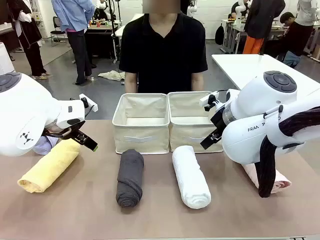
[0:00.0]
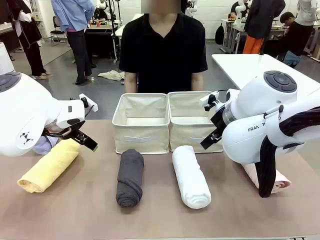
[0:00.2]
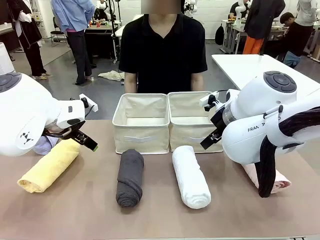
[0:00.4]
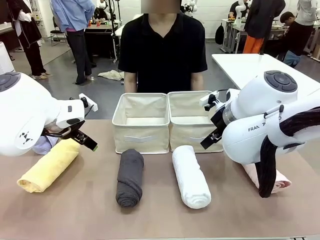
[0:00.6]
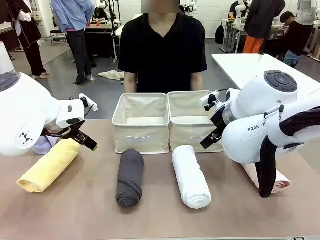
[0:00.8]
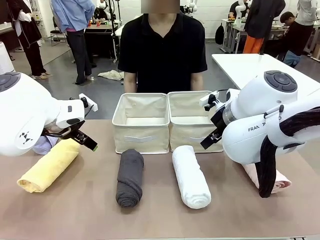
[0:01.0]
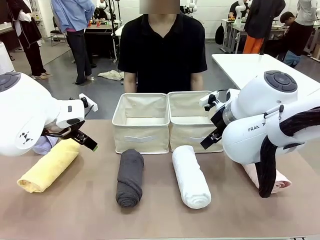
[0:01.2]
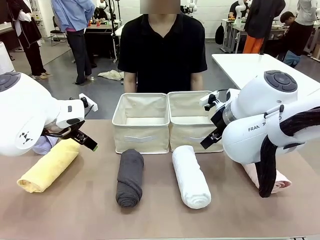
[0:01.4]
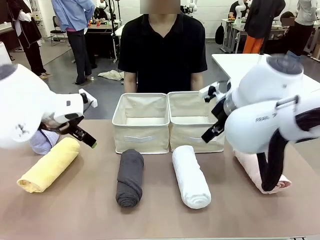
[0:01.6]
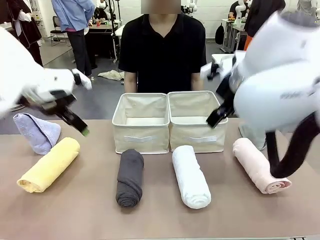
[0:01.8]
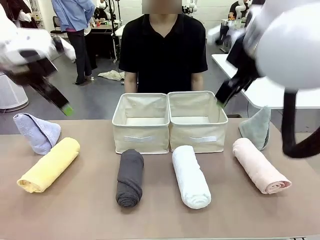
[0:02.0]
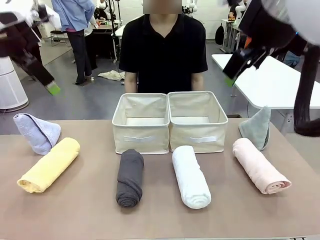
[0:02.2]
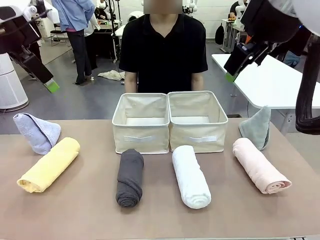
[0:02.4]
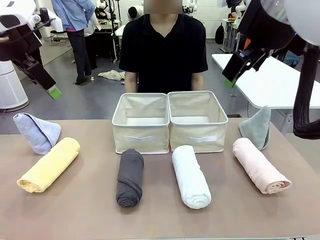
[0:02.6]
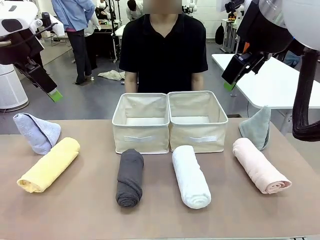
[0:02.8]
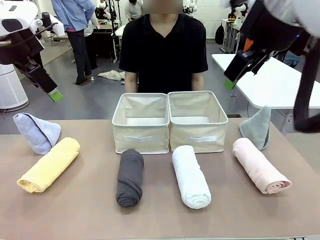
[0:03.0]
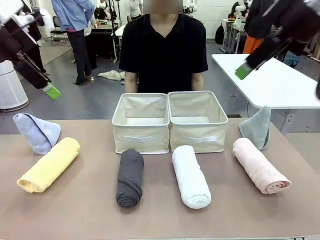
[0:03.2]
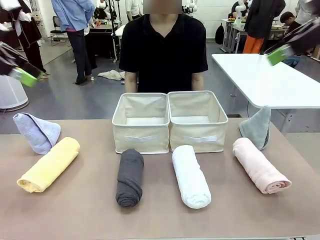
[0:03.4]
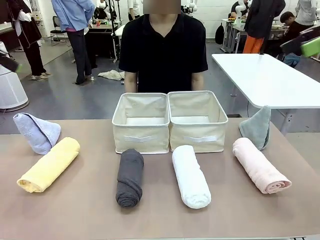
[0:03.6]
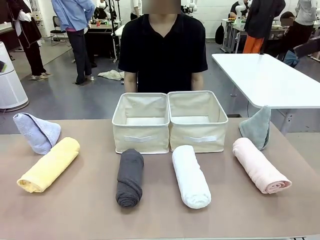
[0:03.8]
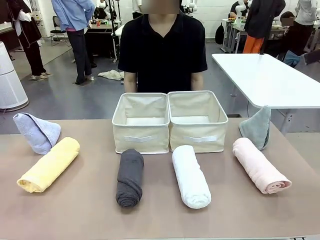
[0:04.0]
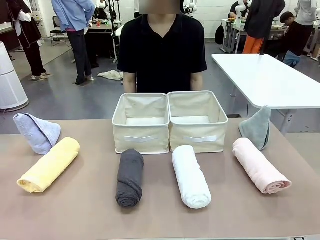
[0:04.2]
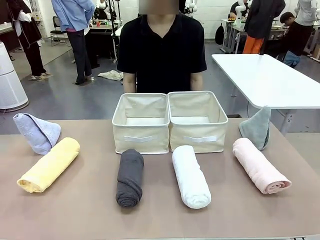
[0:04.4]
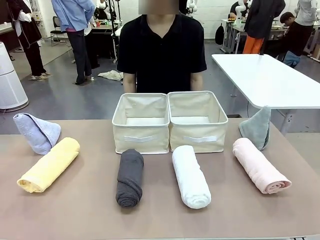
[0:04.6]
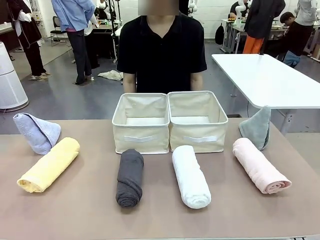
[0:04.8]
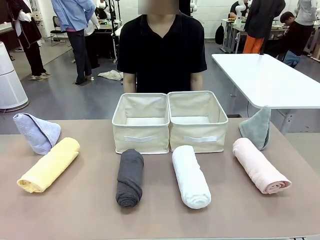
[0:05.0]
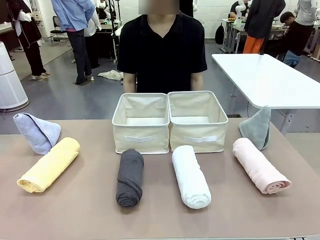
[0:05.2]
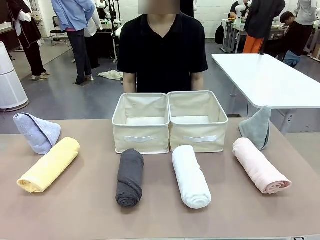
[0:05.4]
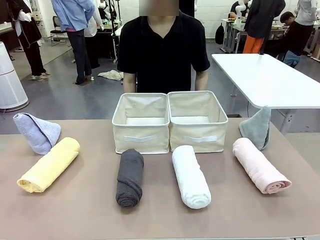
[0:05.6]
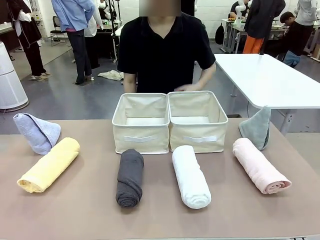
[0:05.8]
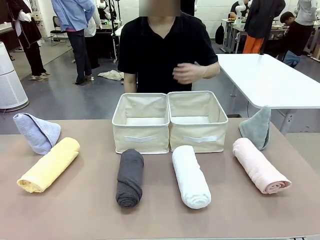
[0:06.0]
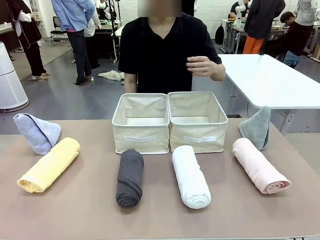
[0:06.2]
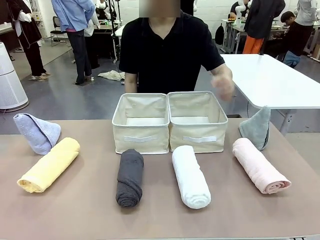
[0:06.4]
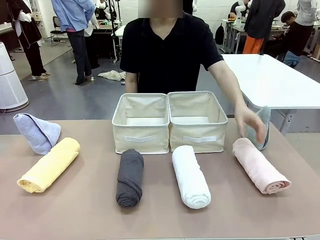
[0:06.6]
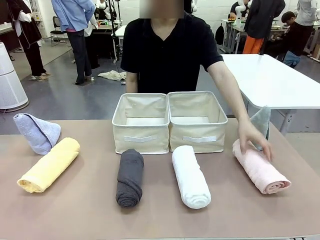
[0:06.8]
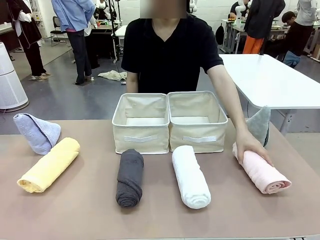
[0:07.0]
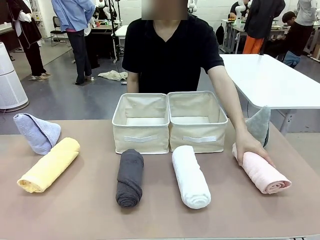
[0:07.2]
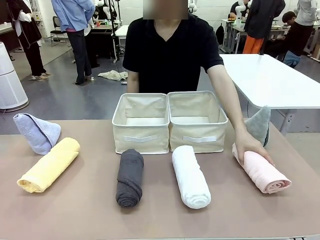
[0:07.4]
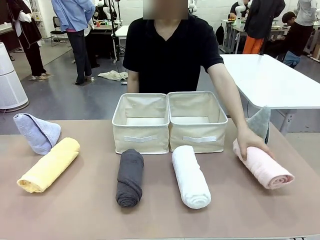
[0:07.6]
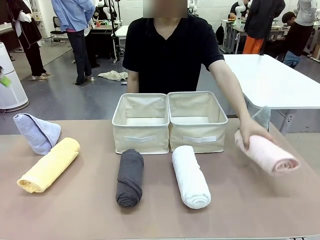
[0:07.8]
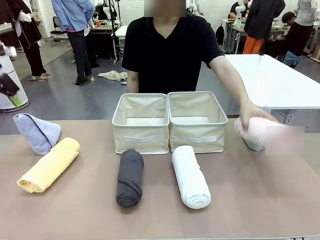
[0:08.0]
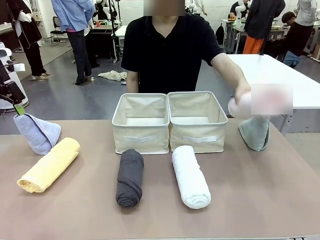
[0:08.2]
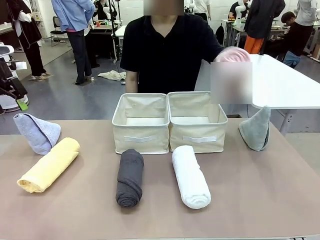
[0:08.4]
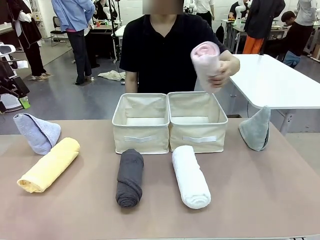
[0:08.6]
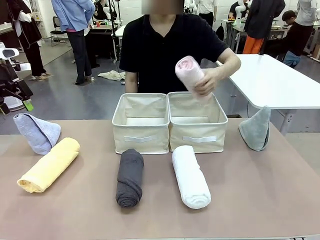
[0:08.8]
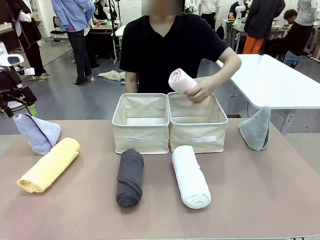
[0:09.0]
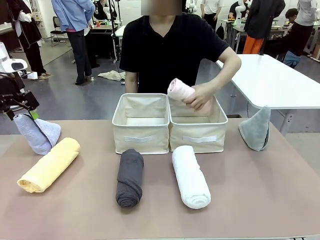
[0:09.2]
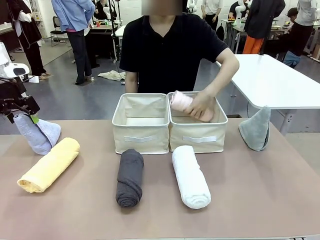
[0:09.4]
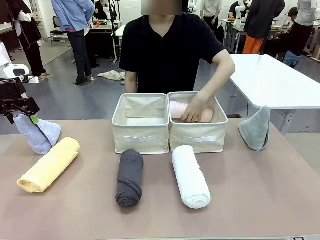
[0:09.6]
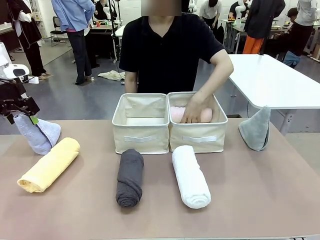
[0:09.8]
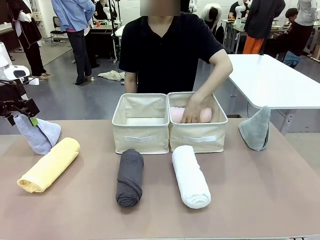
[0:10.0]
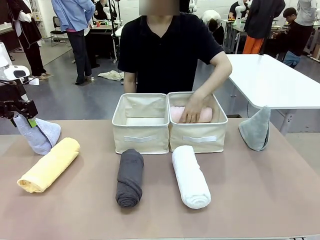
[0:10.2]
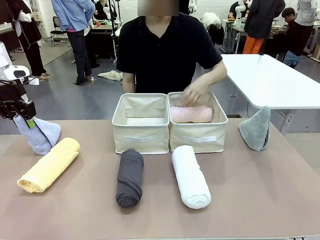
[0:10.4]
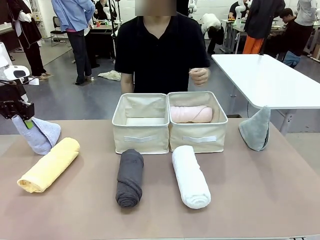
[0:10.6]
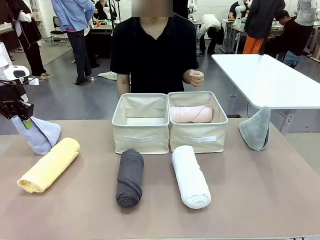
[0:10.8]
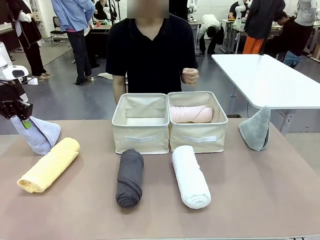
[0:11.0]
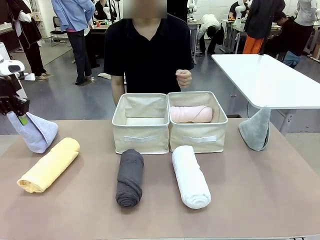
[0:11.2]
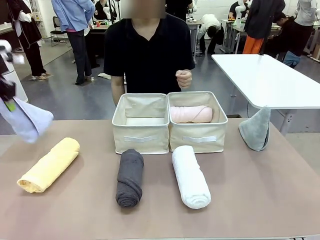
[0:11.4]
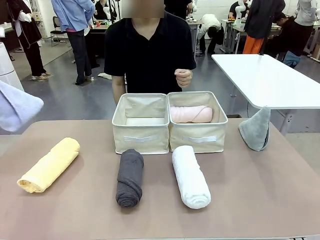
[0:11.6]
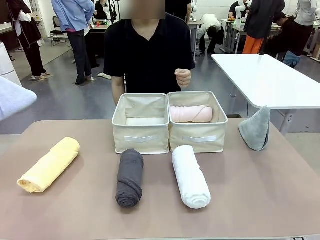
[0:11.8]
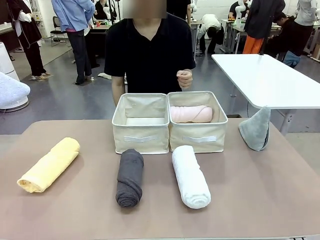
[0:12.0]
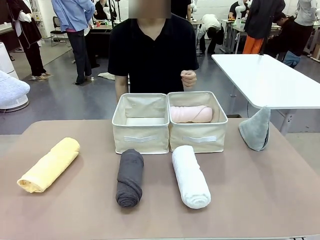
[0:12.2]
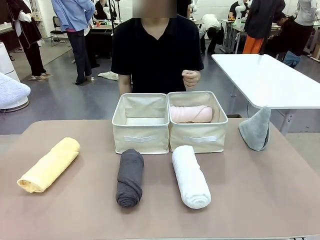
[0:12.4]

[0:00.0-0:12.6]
Task: Sort the towels based on their folding style.
Robot: Pick up one triangle-folded towel and place it in the left Fabric basket.
Person: Pick up one hotel-style rolled towel and place it in the left fabric basket.

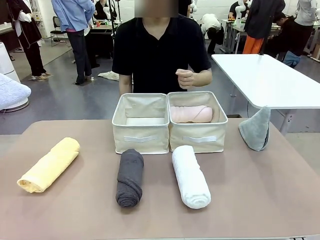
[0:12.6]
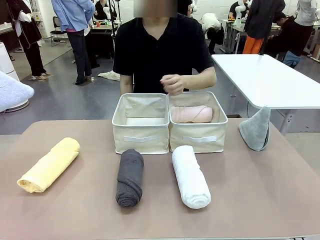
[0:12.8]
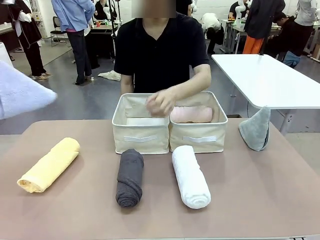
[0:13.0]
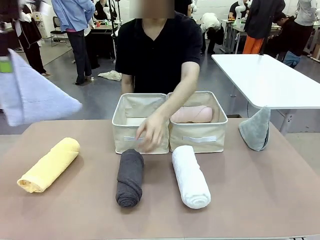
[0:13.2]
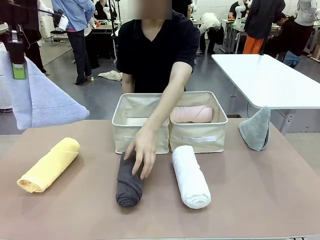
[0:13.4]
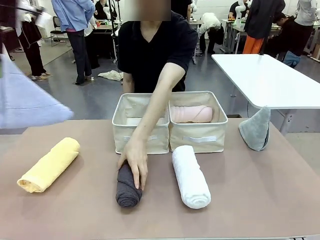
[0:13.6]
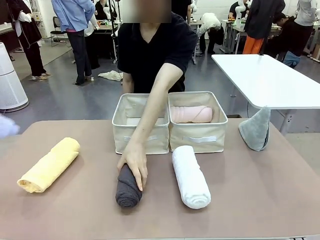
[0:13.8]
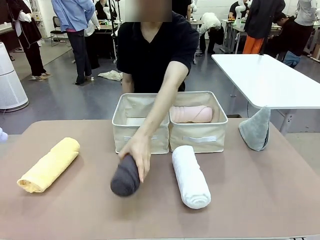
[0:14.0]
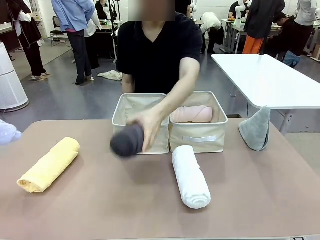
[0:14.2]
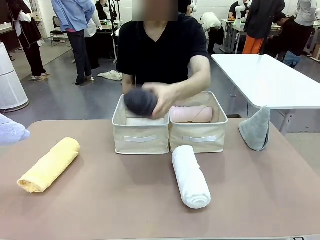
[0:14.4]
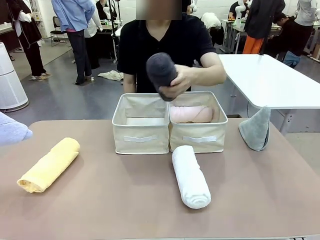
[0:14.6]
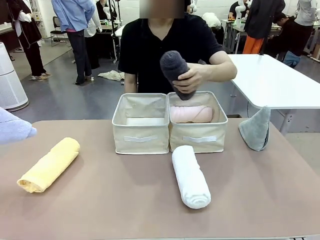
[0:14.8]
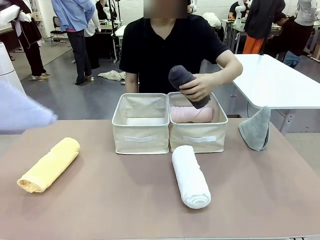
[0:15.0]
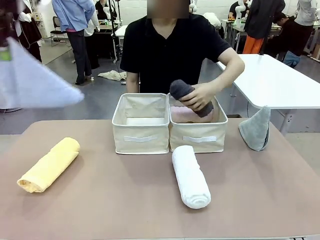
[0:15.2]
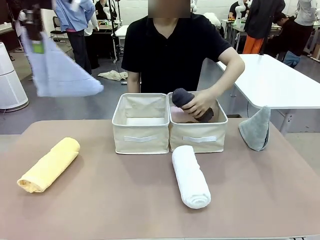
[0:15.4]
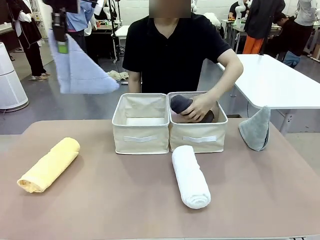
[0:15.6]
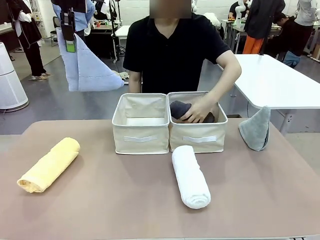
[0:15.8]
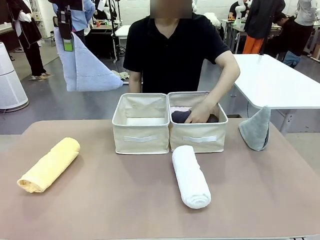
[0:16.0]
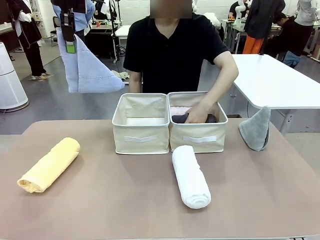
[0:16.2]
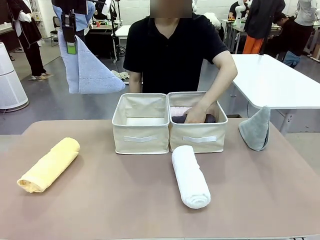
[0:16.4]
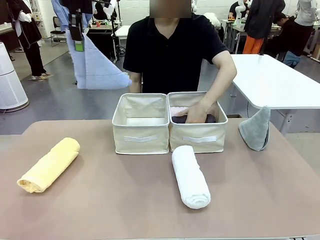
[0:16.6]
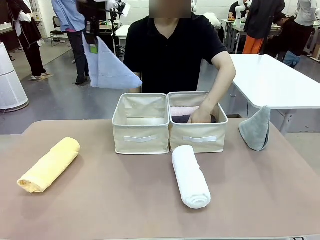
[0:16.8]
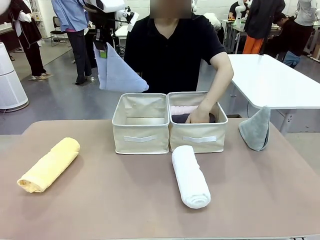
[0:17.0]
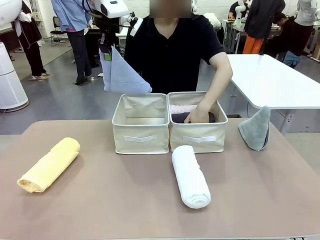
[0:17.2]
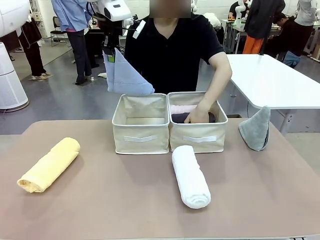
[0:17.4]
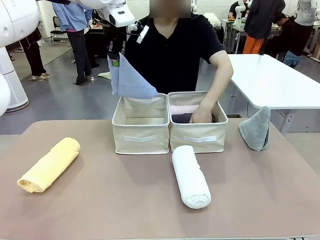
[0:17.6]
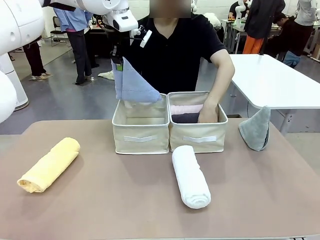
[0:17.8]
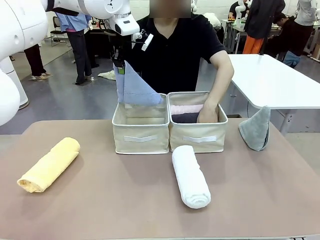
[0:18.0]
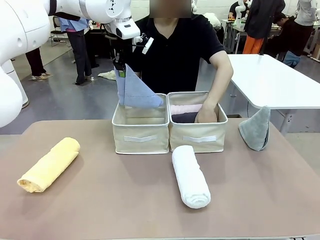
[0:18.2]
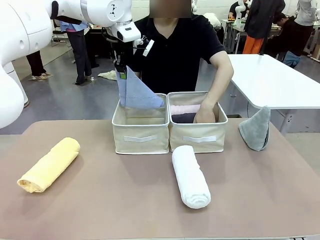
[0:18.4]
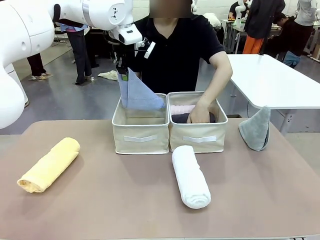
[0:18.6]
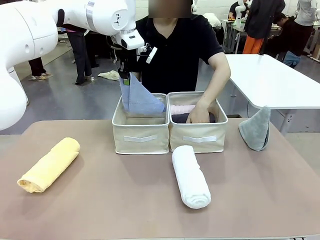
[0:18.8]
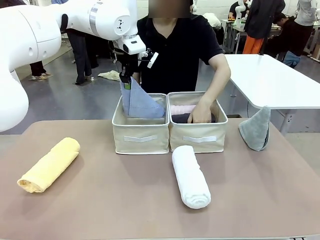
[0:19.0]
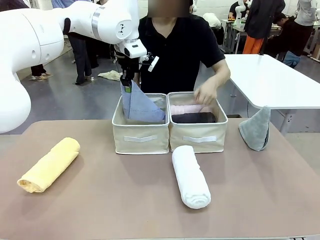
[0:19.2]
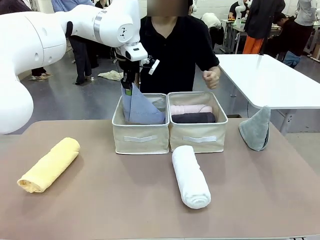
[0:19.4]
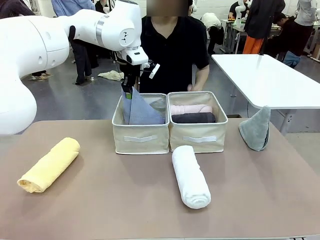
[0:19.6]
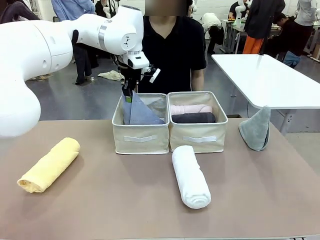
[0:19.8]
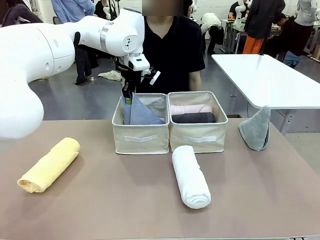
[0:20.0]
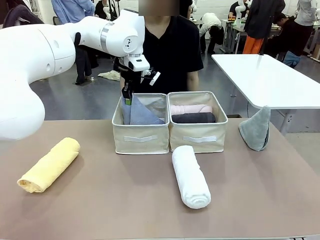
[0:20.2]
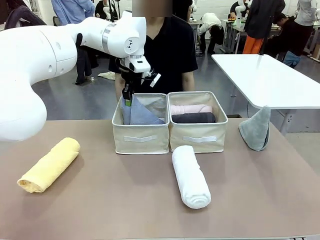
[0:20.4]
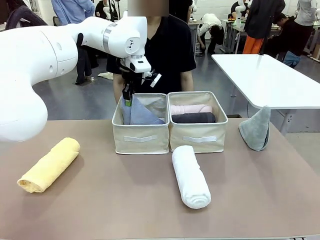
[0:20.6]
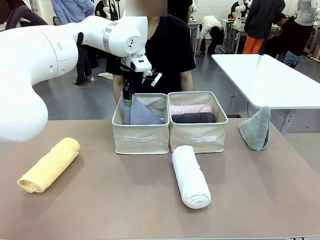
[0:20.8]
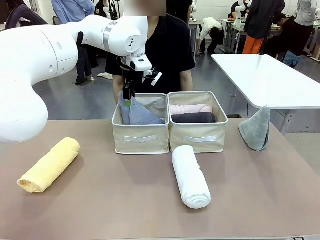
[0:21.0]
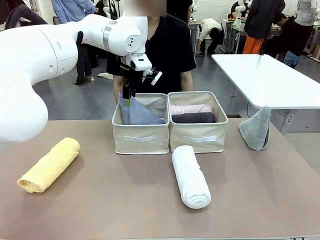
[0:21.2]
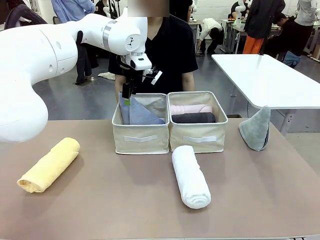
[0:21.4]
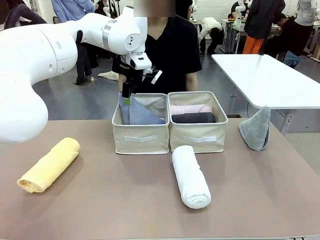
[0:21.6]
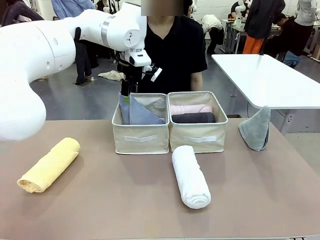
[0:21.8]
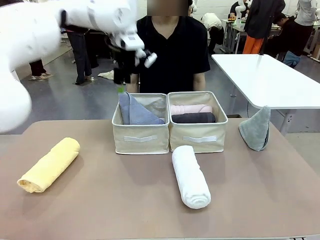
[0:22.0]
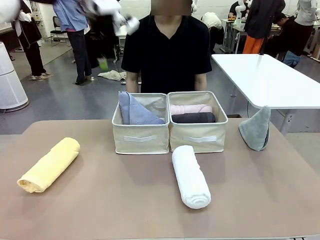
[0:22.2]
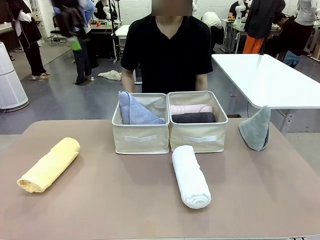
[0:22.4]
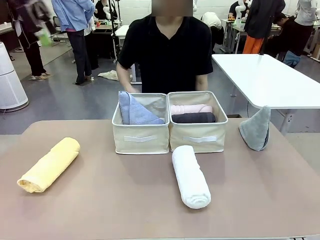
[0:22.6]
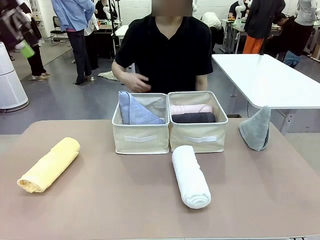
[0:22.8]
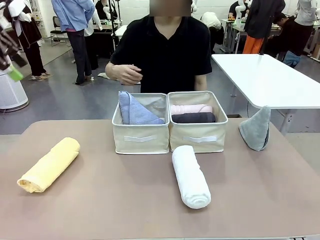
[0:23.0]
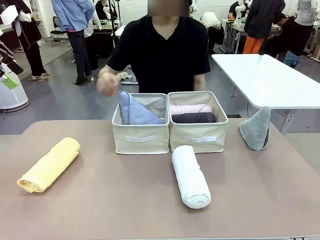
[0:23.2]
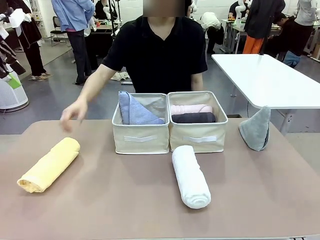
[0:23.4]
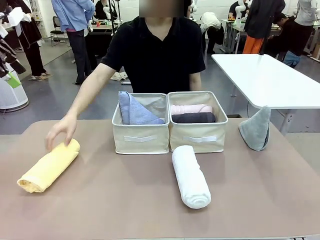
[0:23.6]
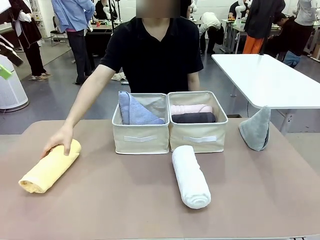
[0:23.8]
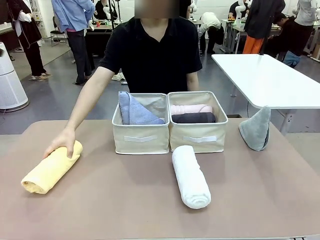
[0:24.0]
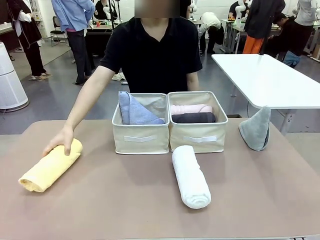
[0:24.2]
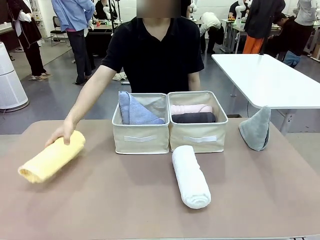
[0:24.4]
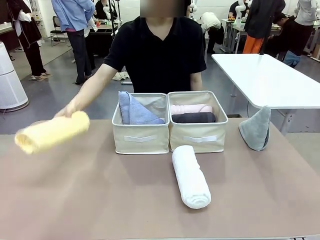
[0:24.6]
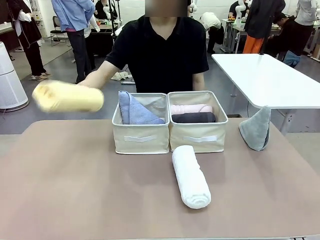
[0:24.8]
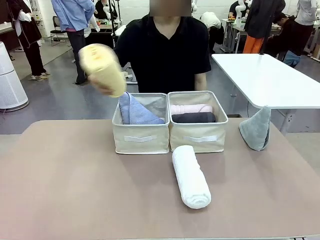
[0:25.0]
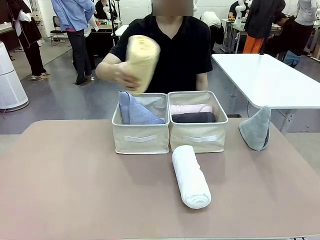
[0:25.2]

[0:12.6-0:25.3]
Robot: Pick up one triangle-folded towel and place it in the left Fabric basket.
